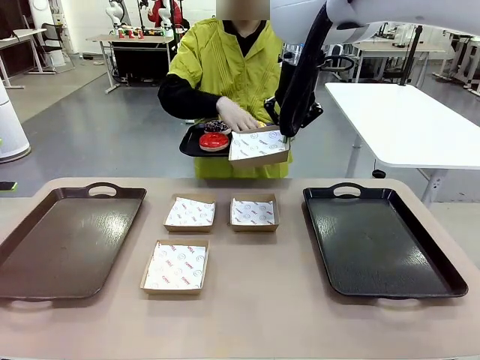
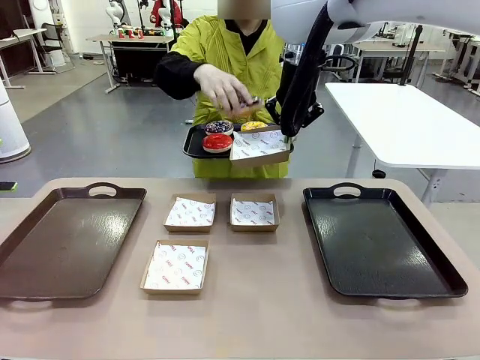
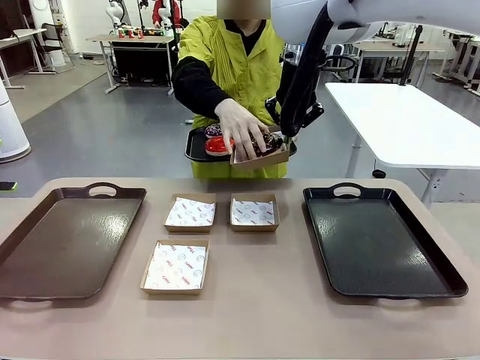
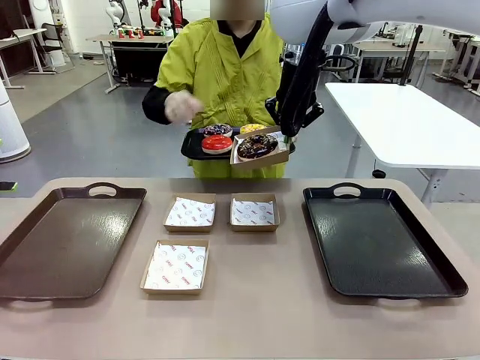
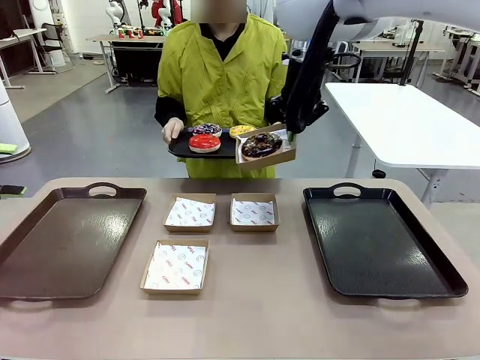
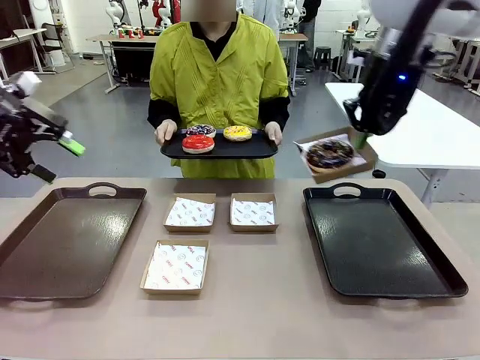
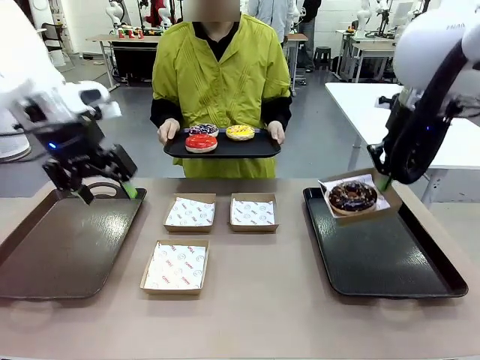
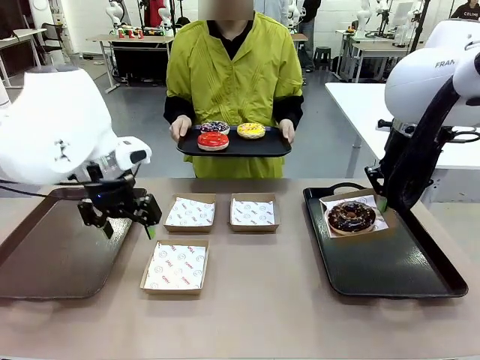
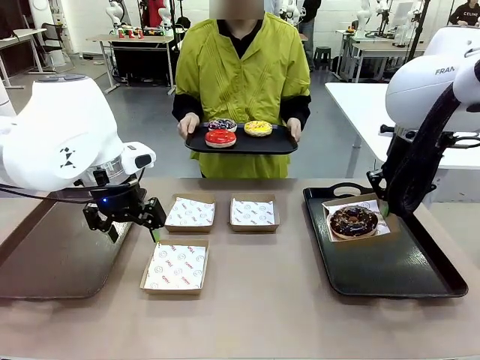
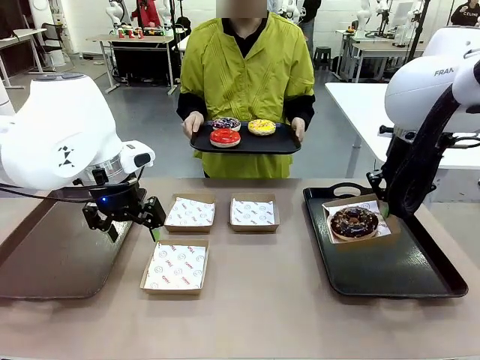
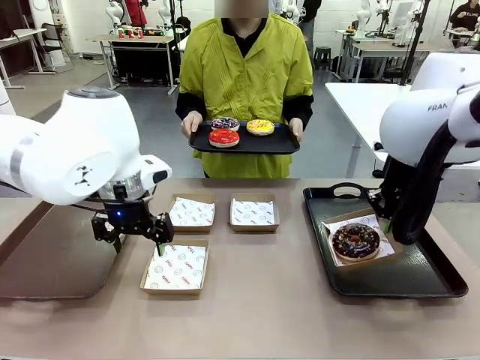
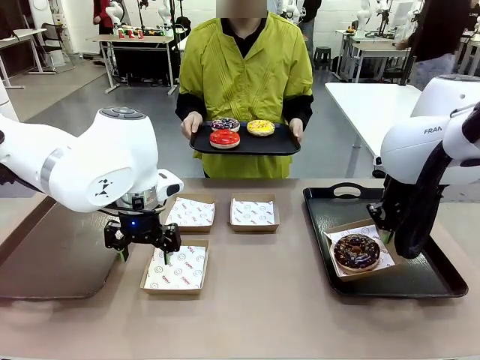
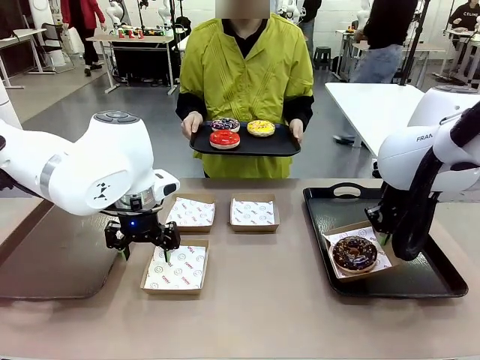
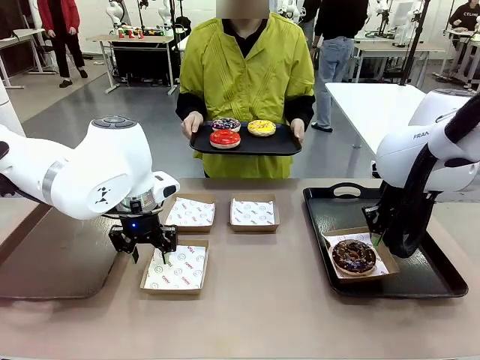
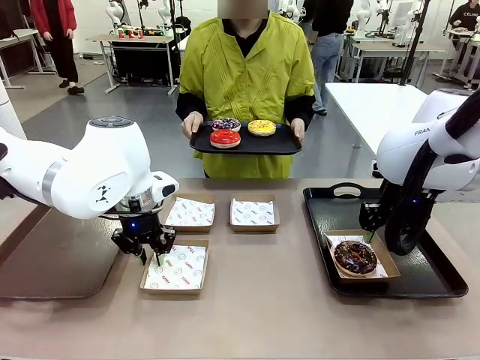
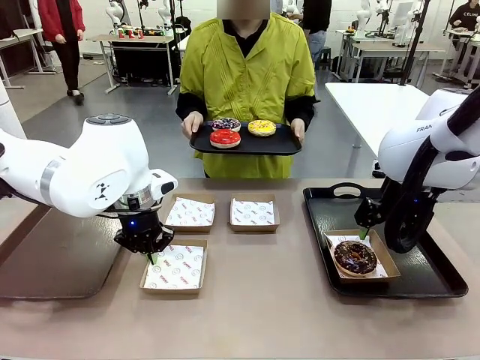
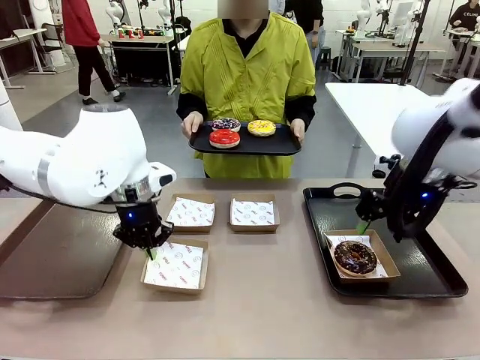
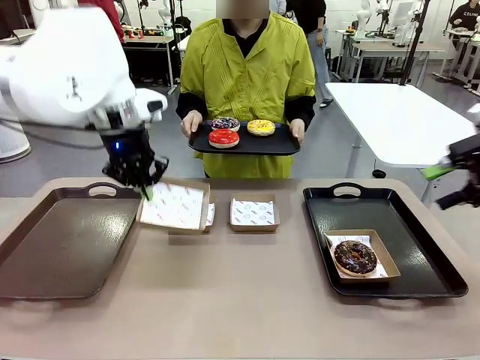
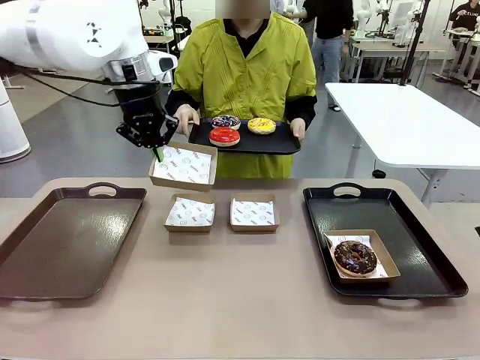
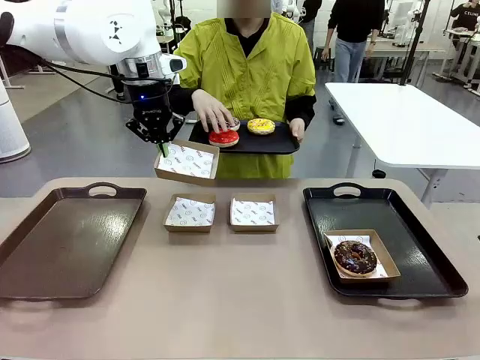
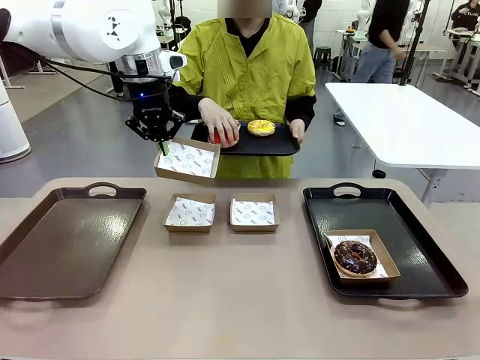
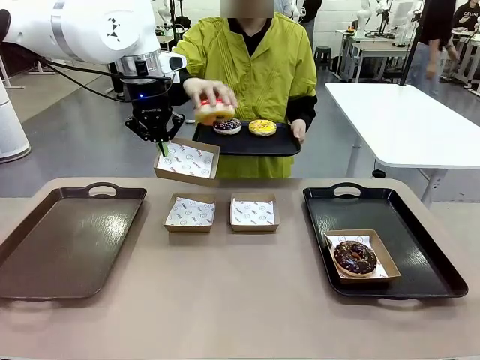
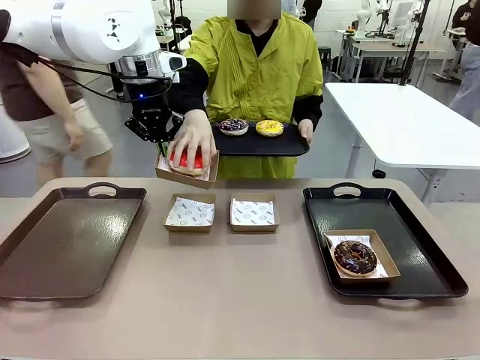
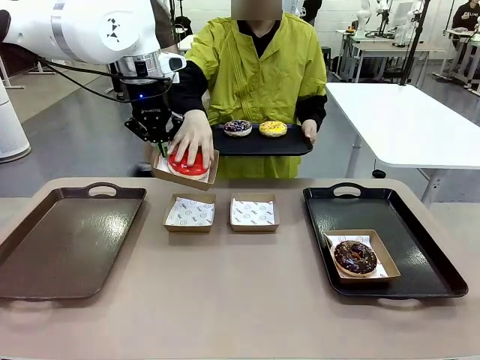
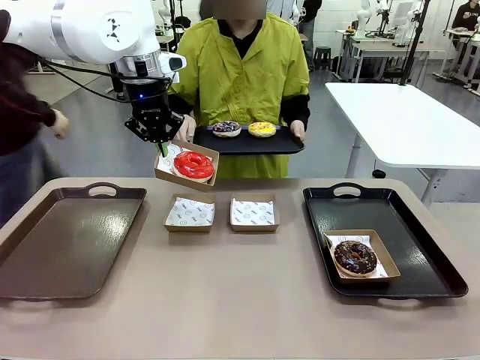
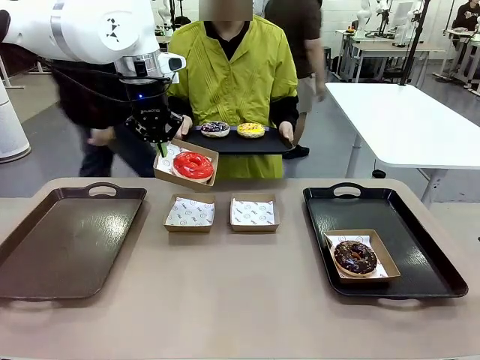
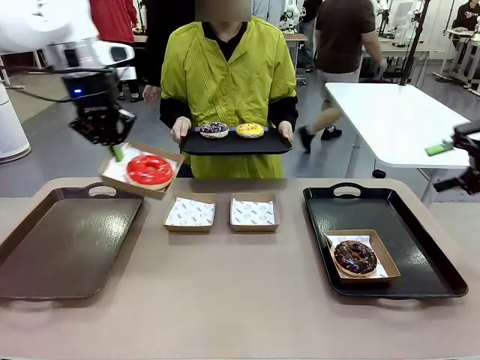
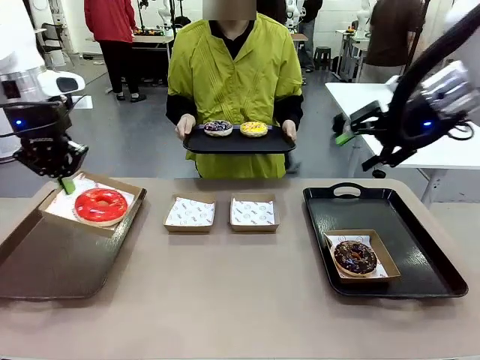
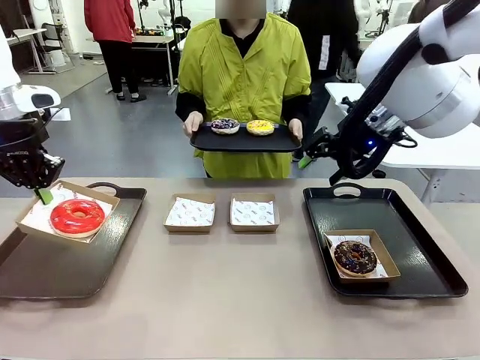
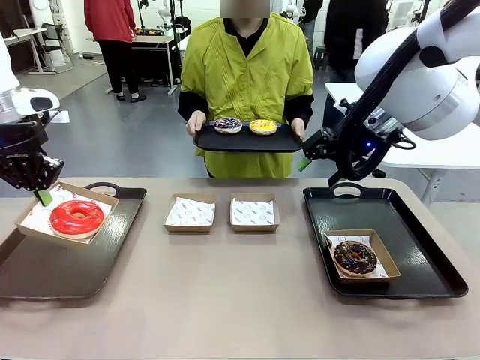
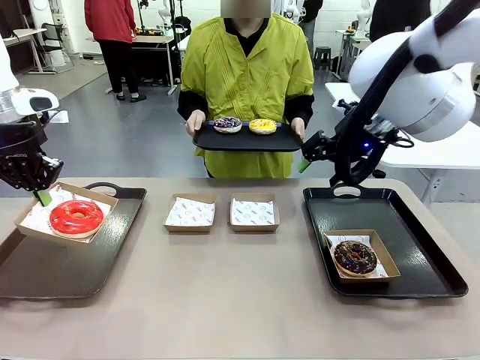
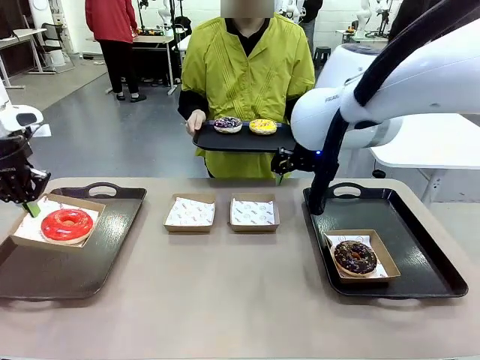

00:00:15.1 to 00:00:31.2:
Task: Individually package the donuts and arrange them on the tray.
Robot: Place the picked Paper togo box on the Handle tray while simultaneously picking up another Paper togo box from the table with the other hand.

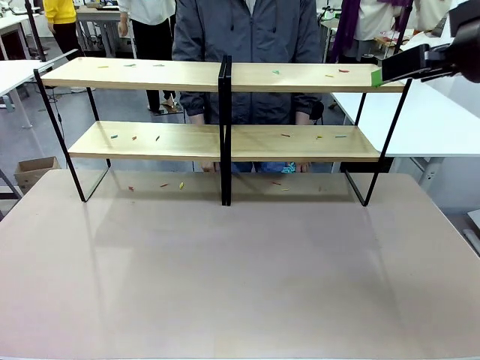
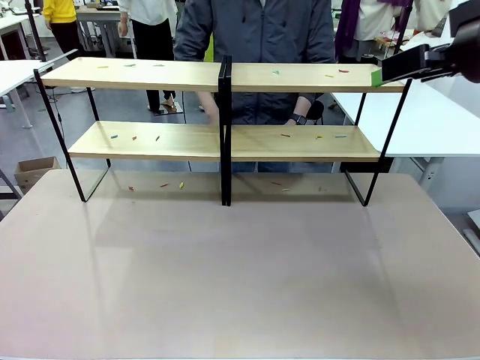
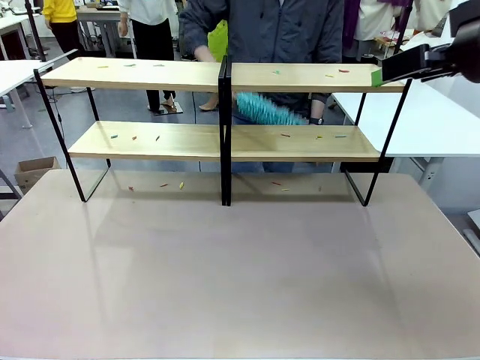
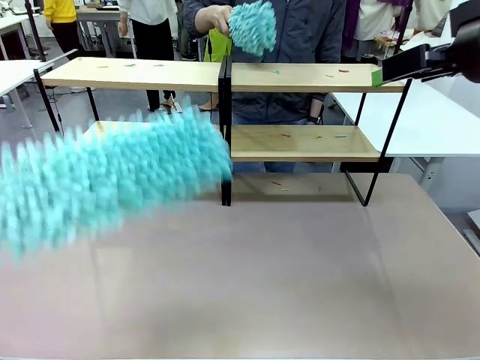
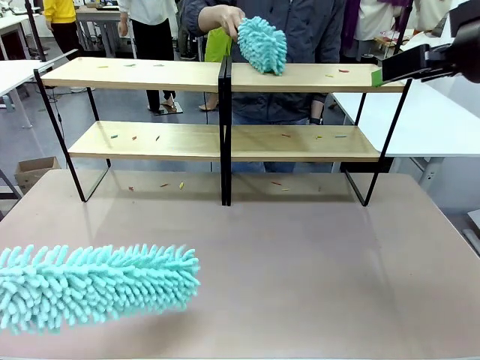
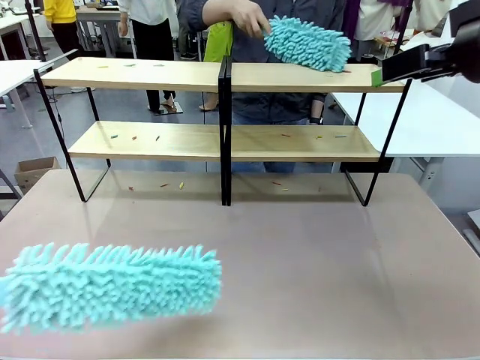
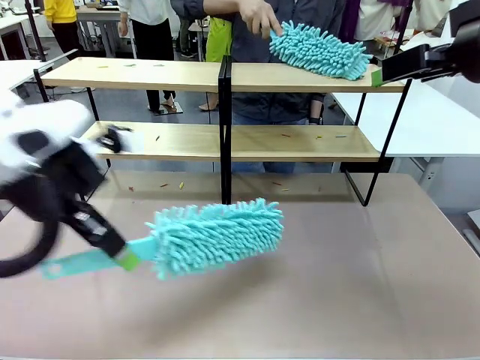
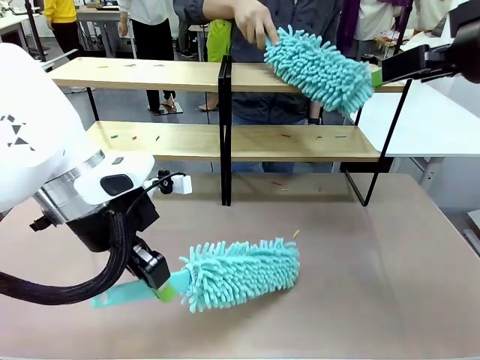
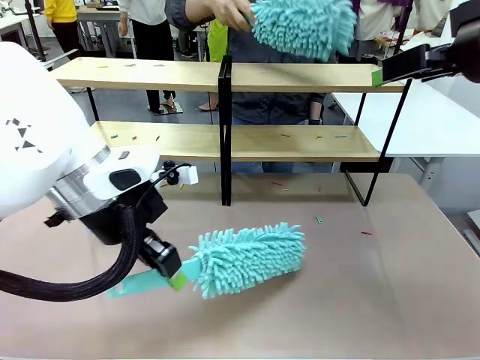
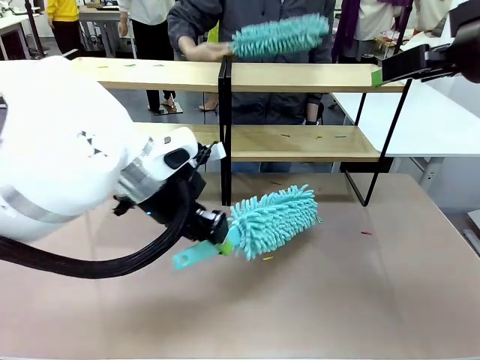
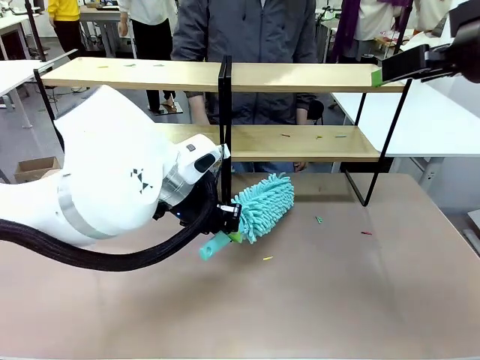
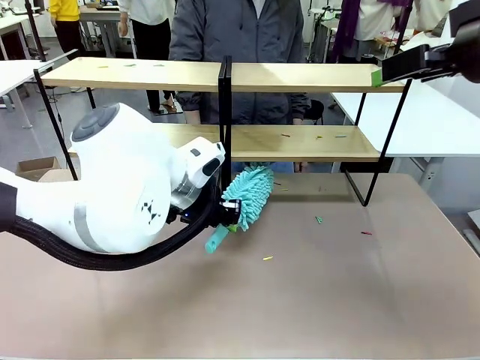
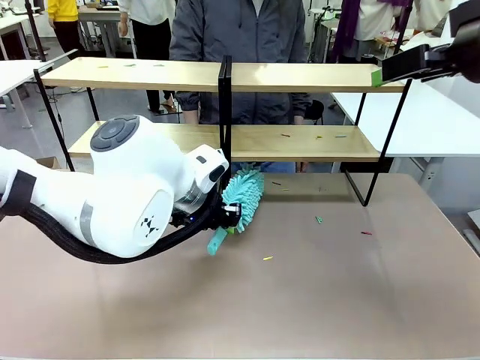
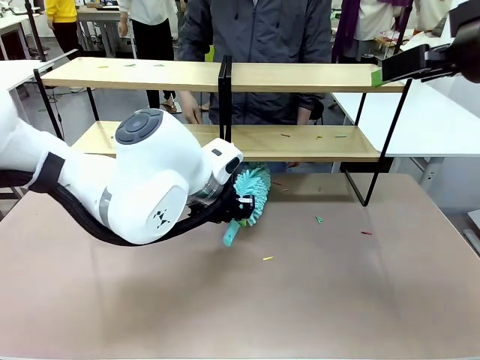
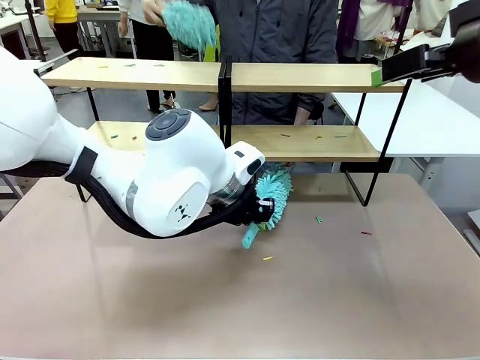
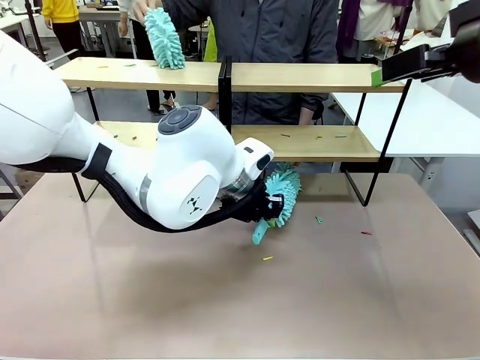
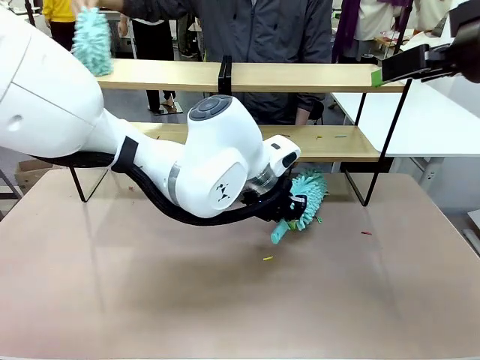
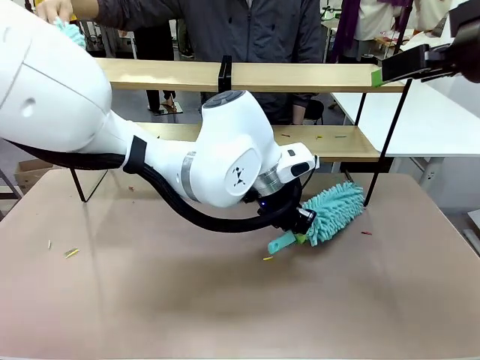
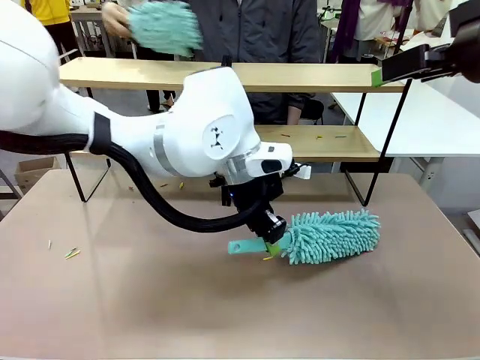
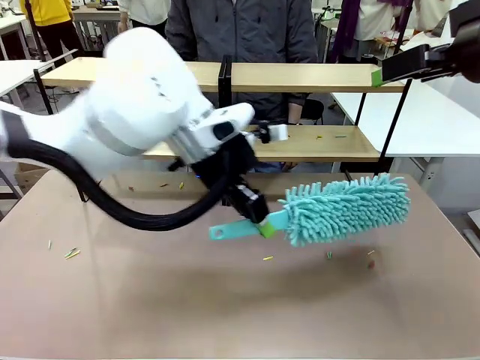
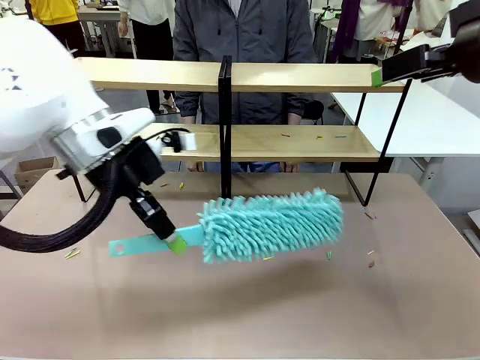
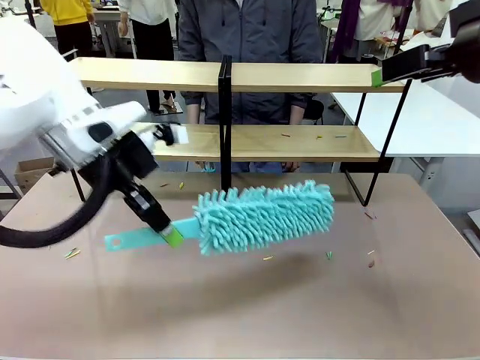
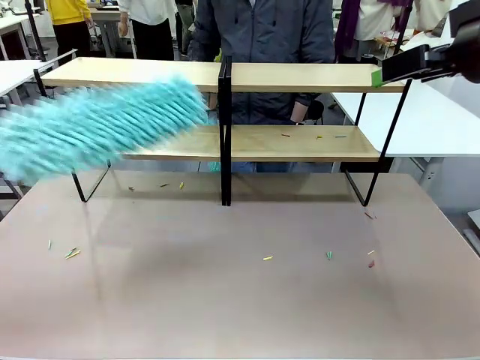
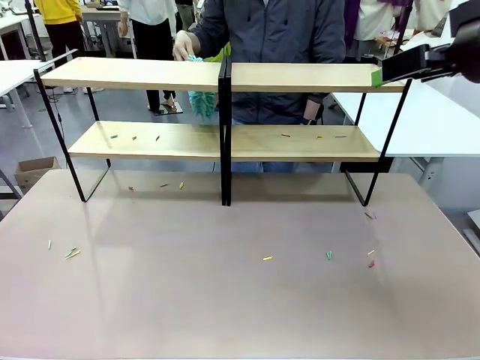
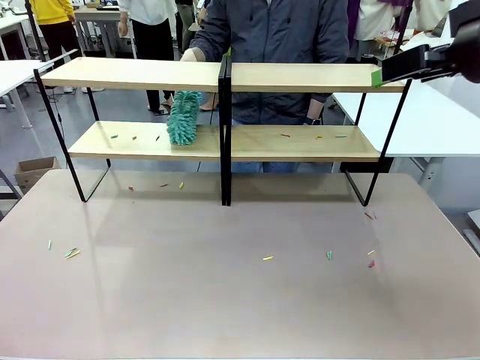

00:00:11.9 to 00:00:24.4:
Task: Clean the shelves.
Robot: Clean a randomly selected level of the Shelf with the Duster.
